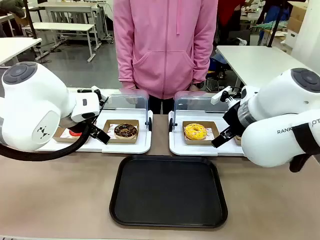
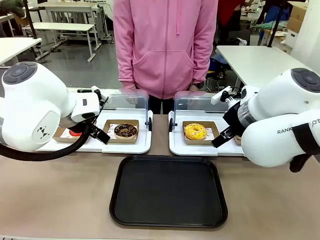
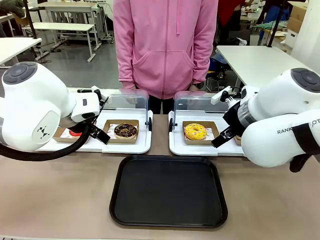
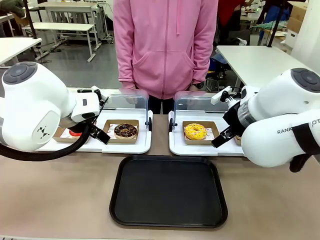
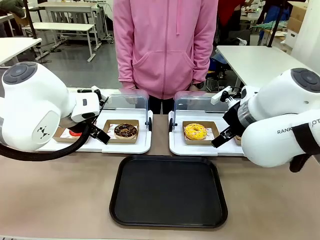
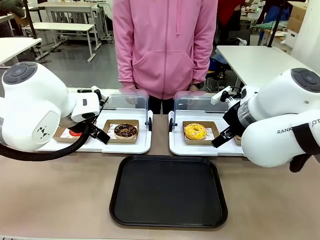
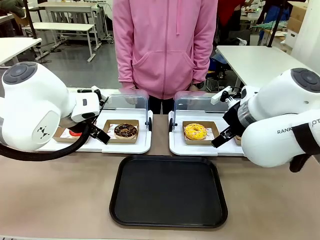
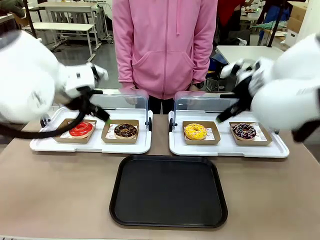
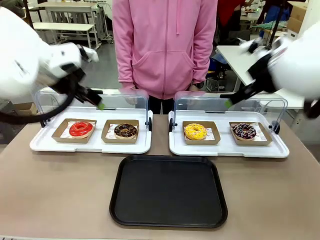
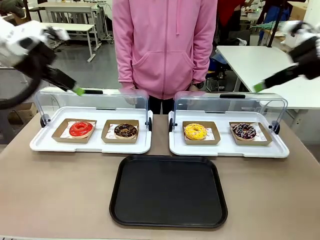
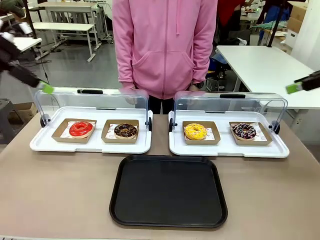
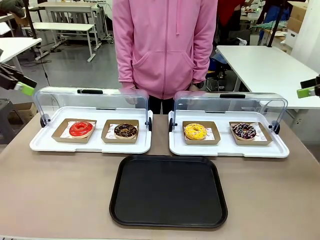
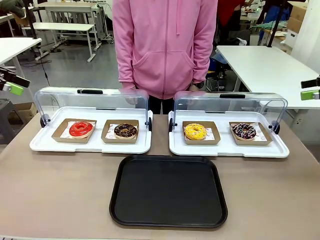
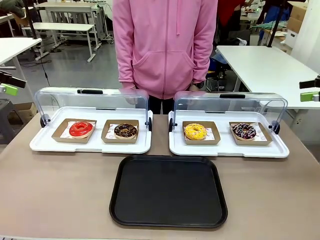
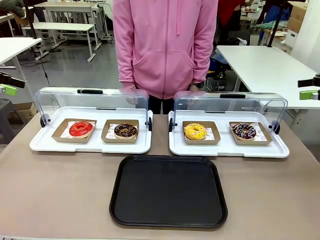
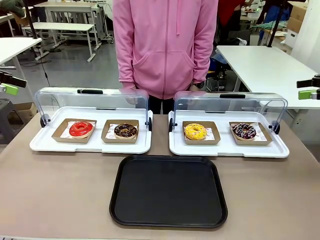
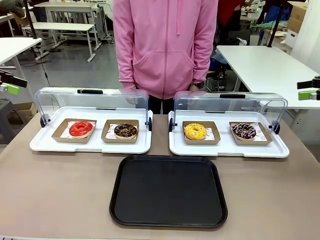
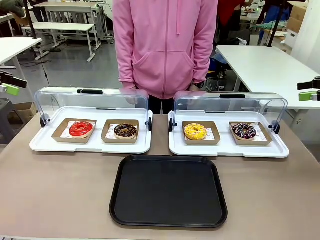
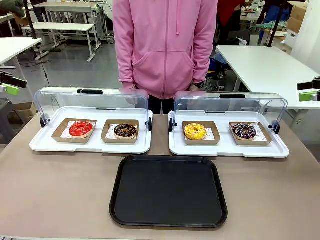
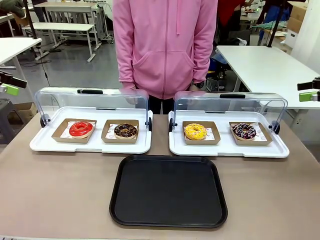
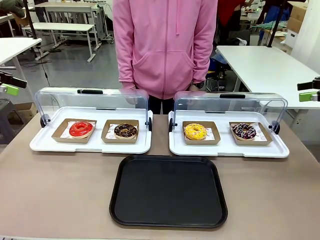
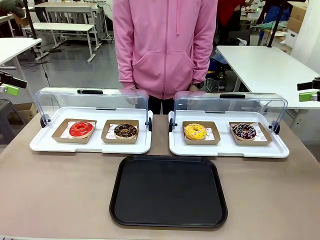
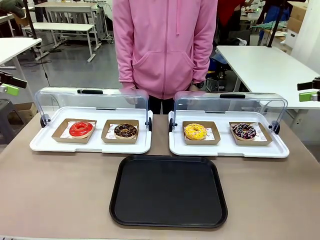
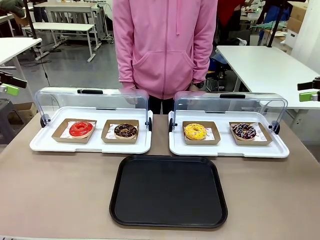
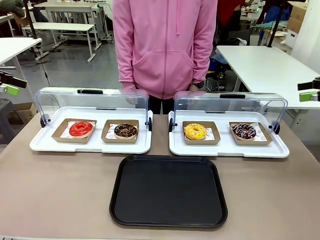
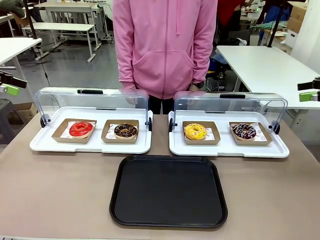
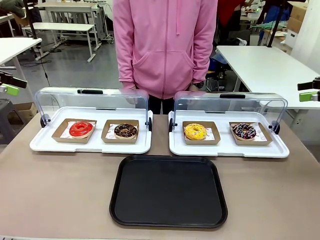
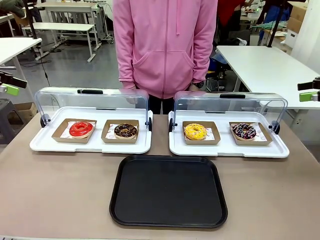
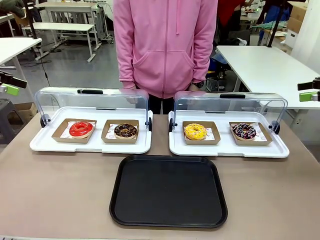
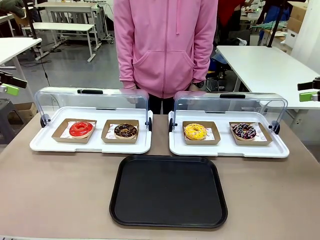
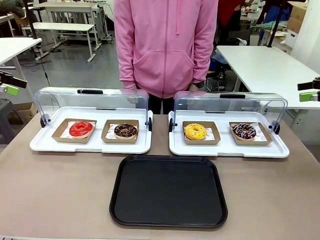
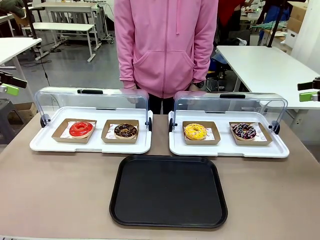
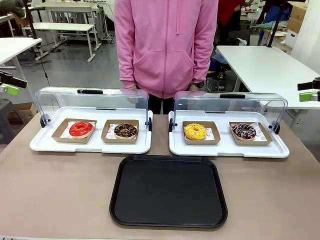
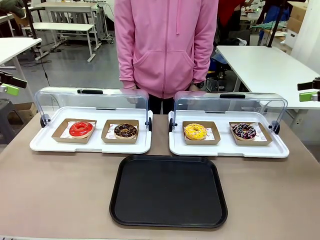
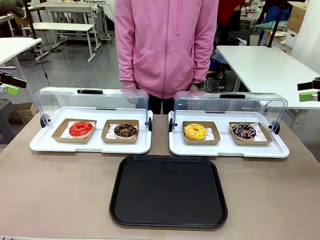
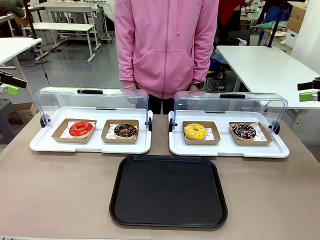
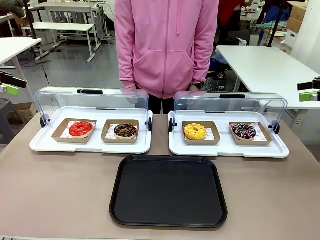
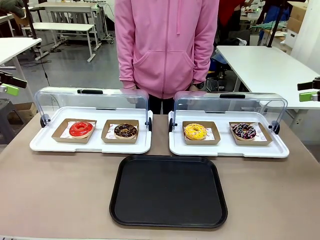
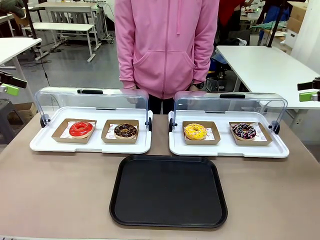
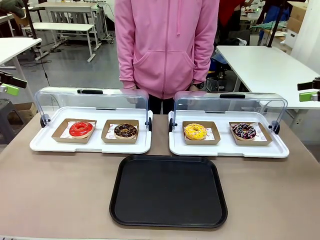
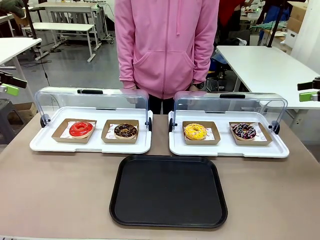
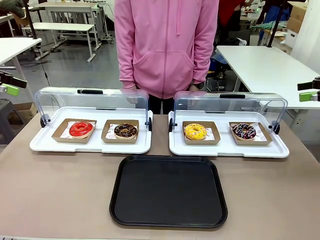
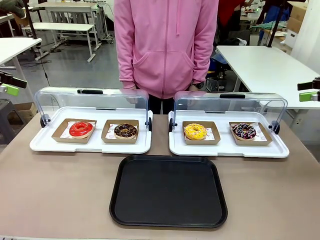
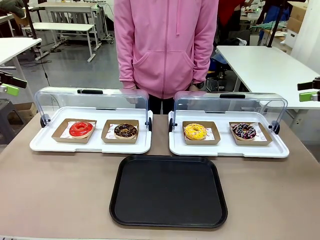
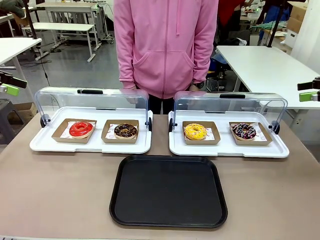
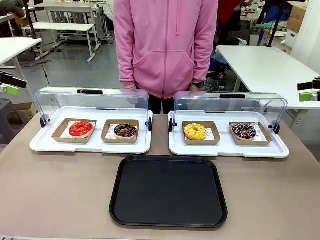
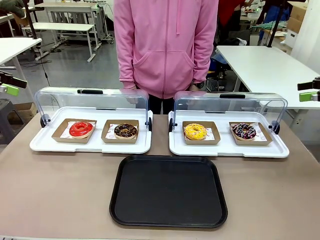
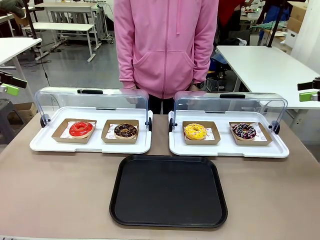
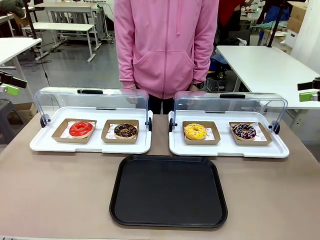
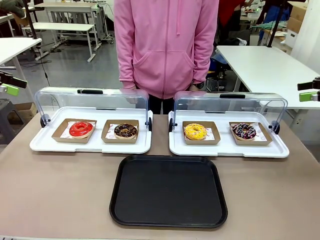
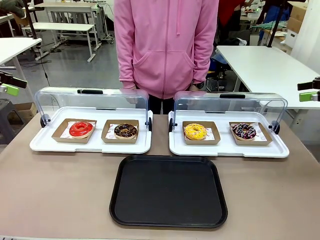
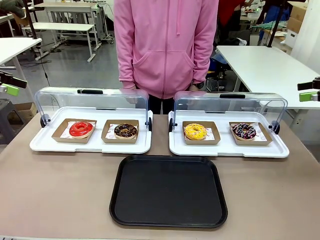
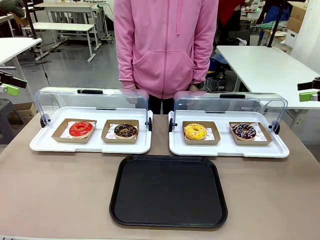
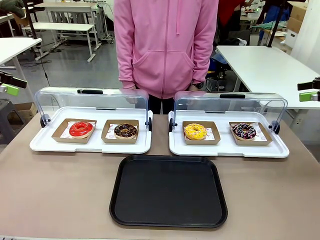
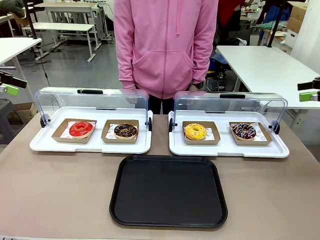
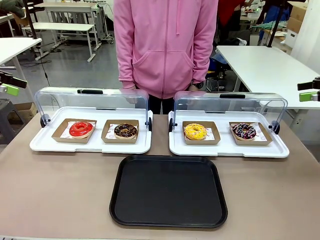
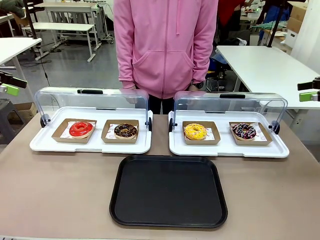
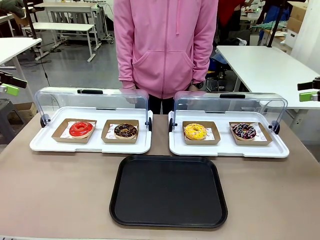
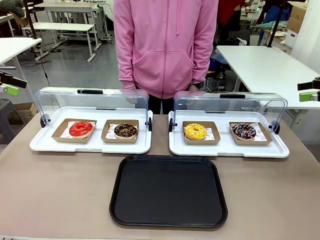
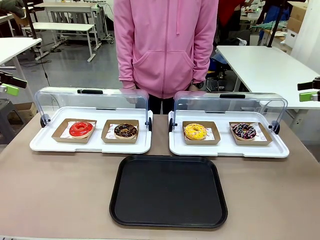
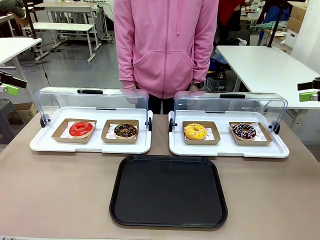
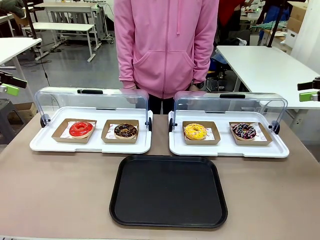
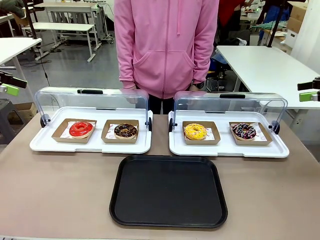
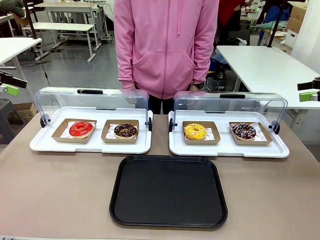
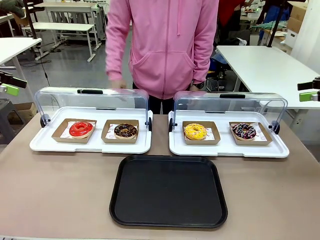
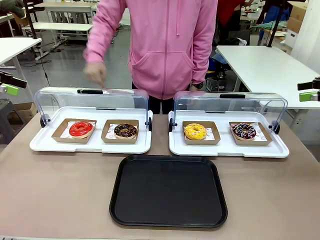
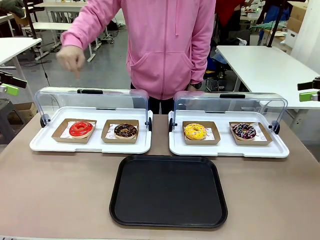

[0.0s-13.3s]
Task: Move the first donut from the left to the tray.
Robot: Pick up the Paper togo box containing the Donut indicated by the person and place it on the Handle tray.
